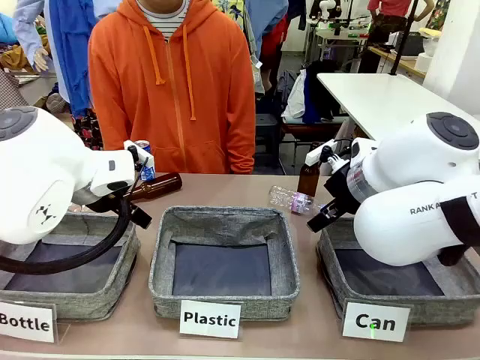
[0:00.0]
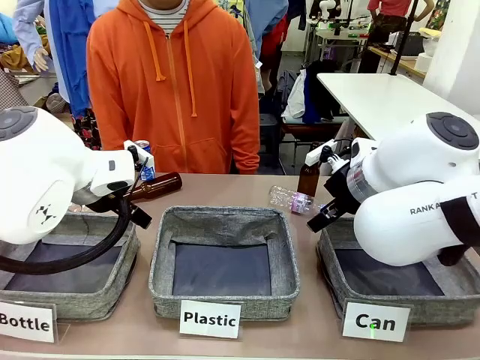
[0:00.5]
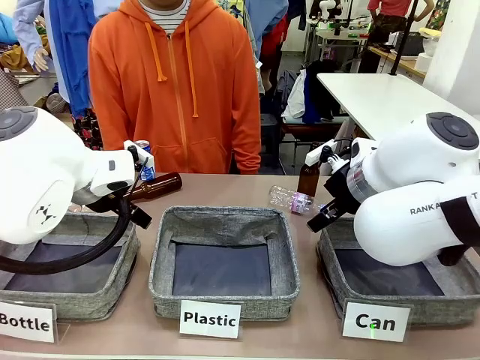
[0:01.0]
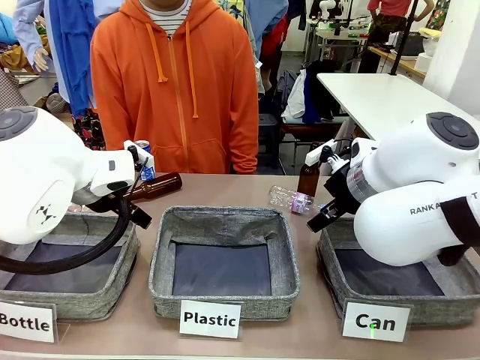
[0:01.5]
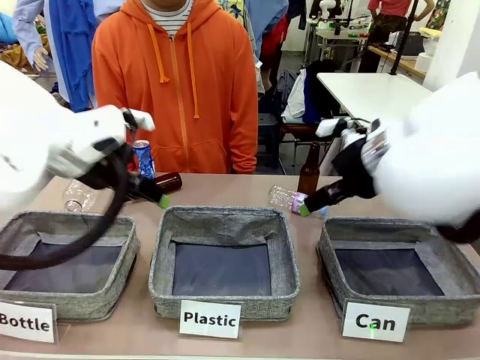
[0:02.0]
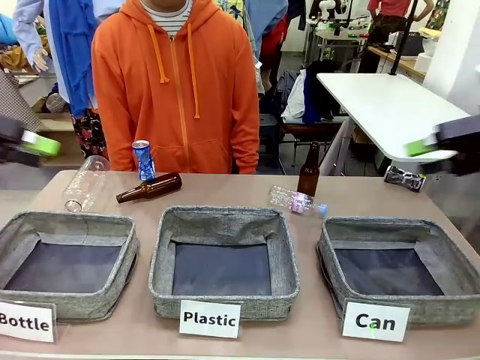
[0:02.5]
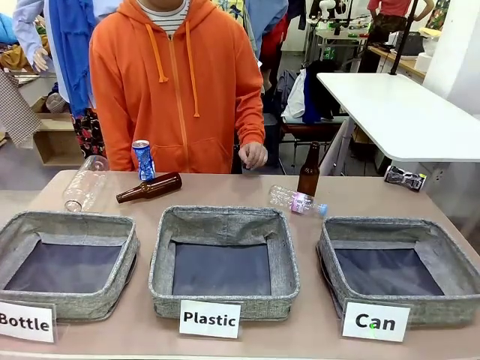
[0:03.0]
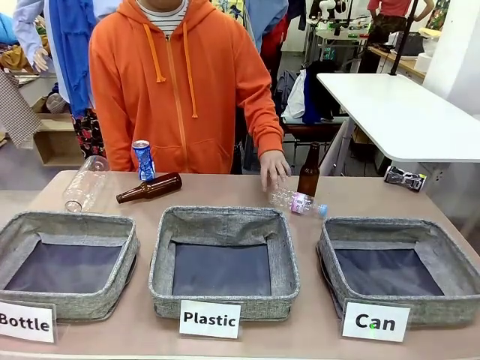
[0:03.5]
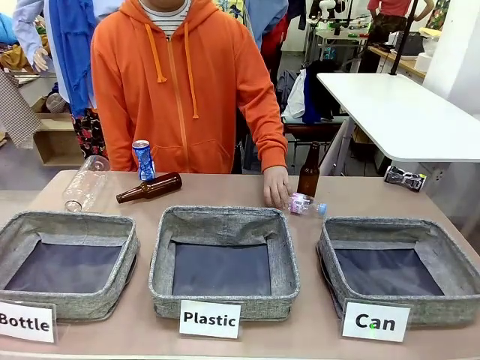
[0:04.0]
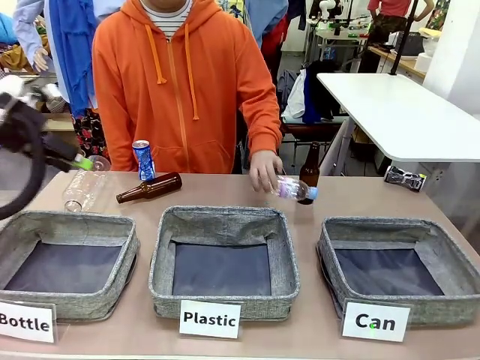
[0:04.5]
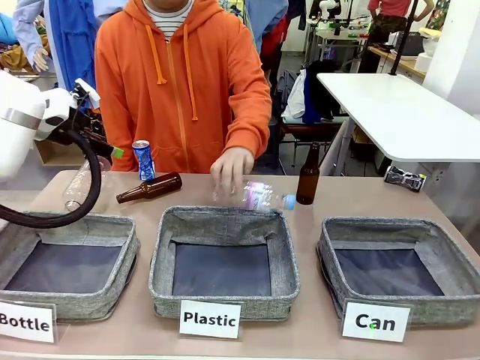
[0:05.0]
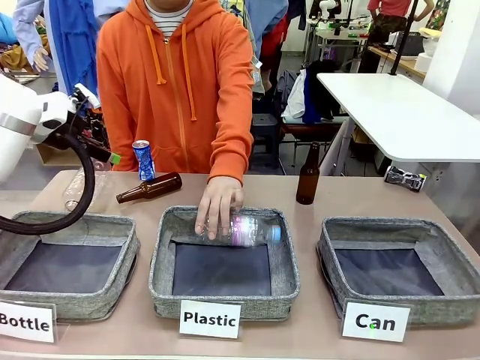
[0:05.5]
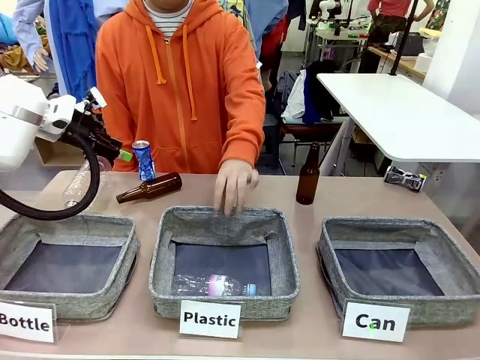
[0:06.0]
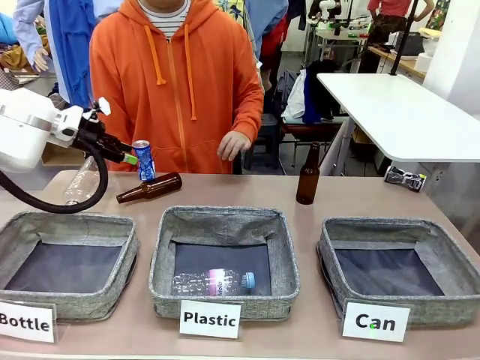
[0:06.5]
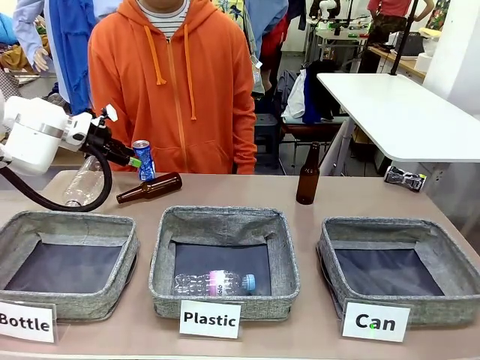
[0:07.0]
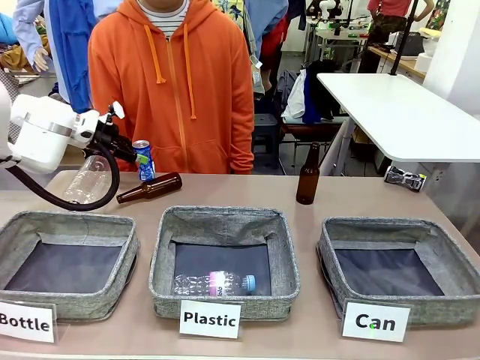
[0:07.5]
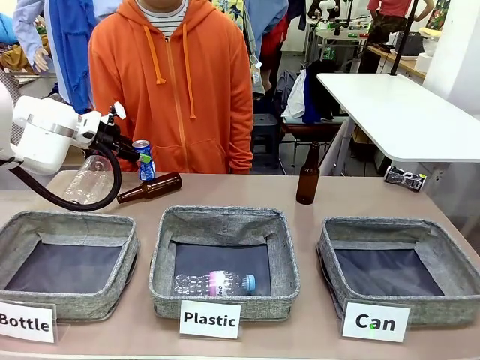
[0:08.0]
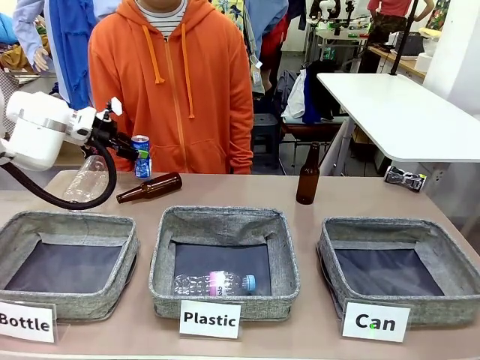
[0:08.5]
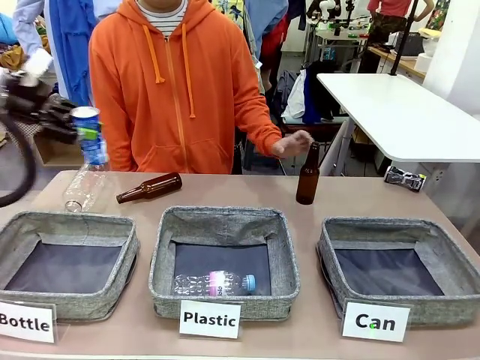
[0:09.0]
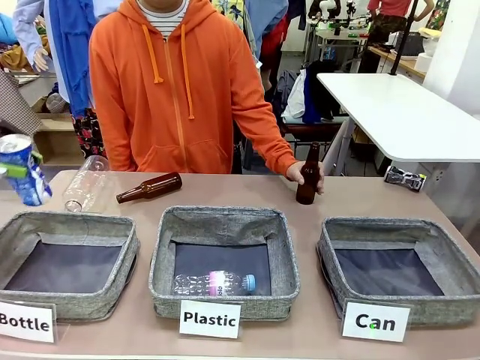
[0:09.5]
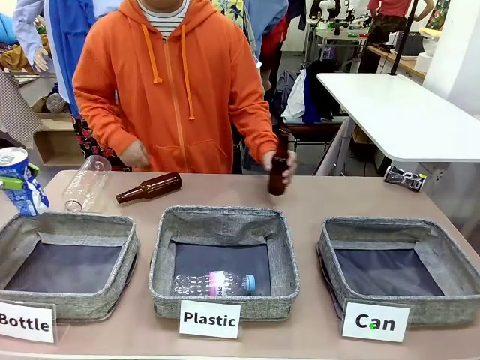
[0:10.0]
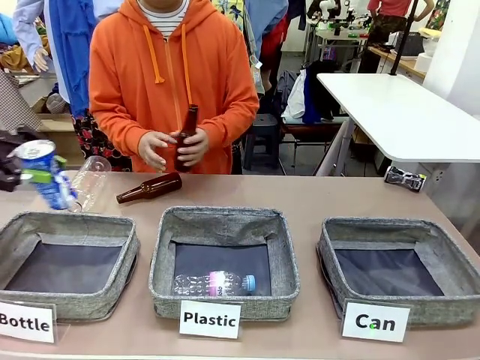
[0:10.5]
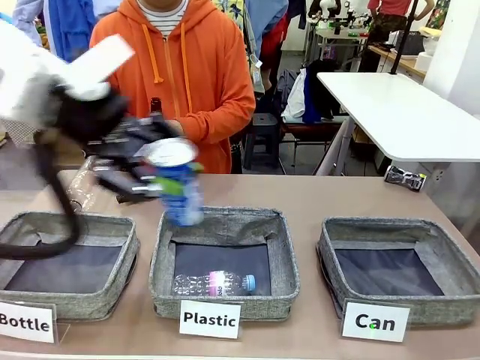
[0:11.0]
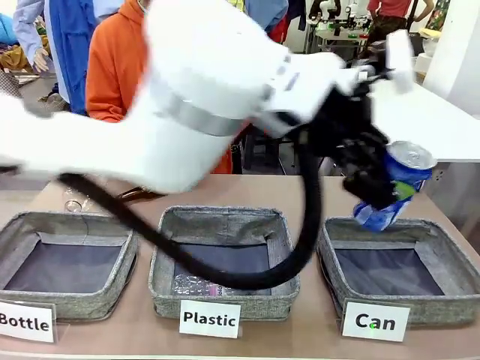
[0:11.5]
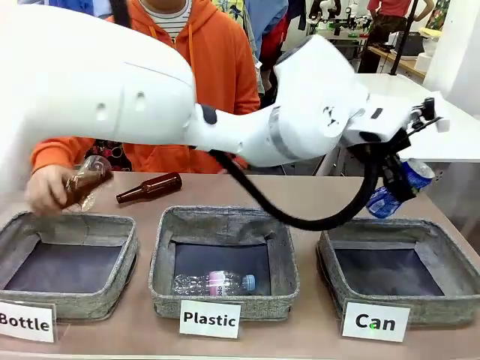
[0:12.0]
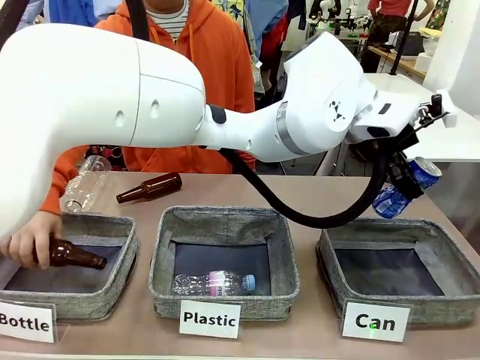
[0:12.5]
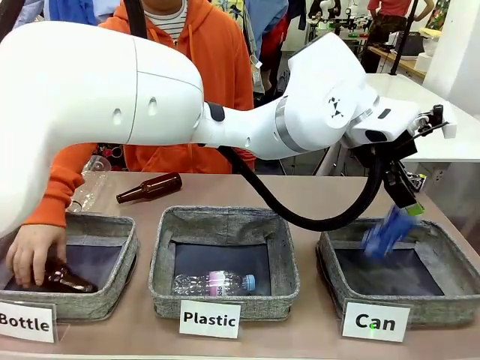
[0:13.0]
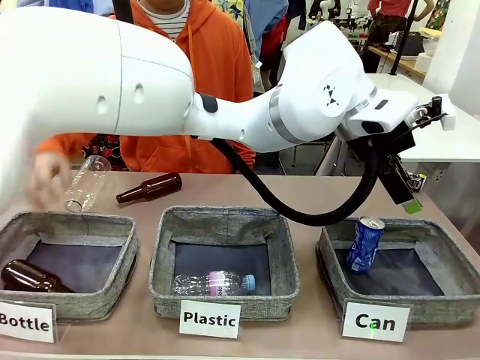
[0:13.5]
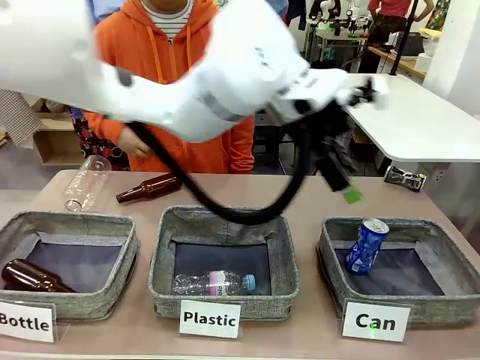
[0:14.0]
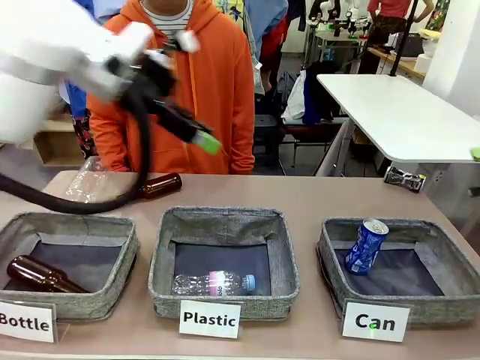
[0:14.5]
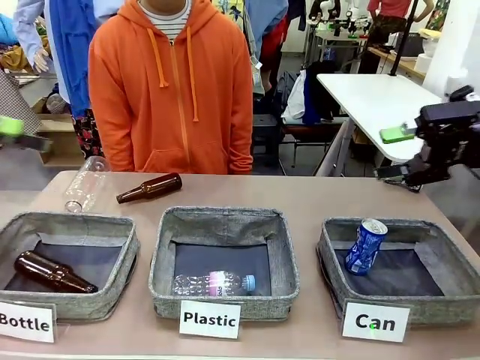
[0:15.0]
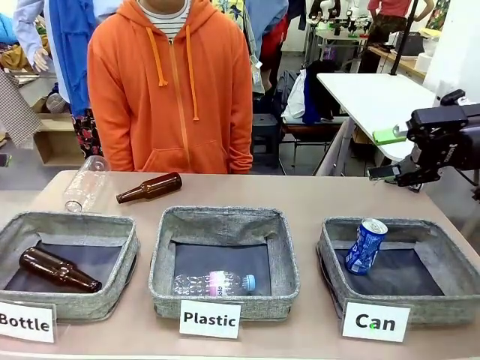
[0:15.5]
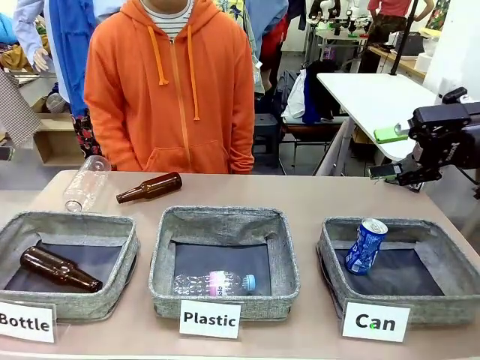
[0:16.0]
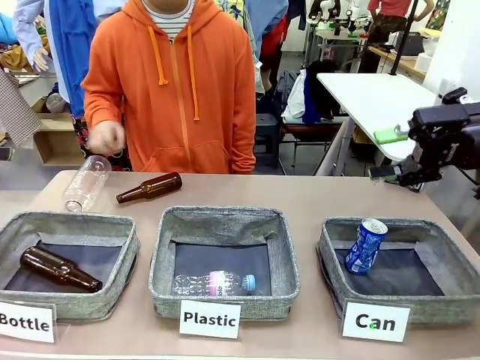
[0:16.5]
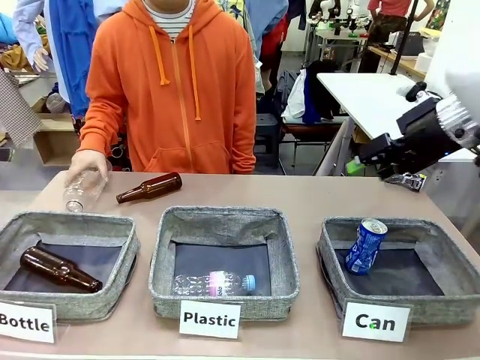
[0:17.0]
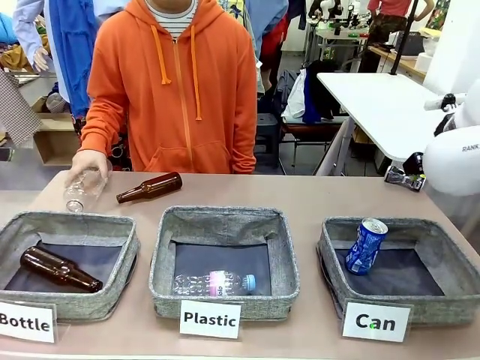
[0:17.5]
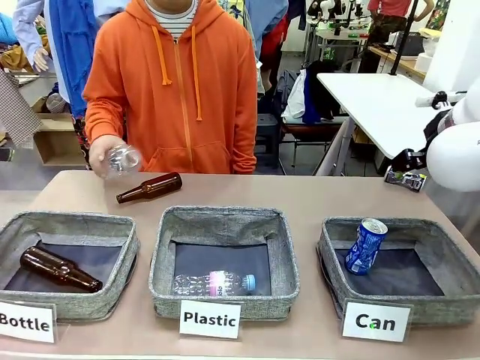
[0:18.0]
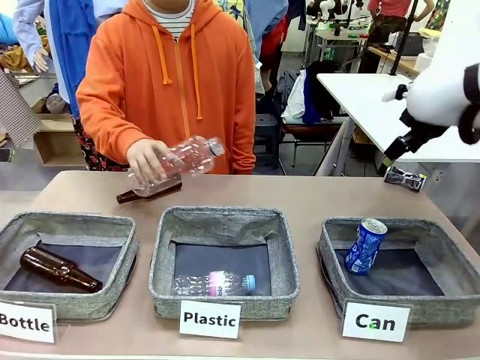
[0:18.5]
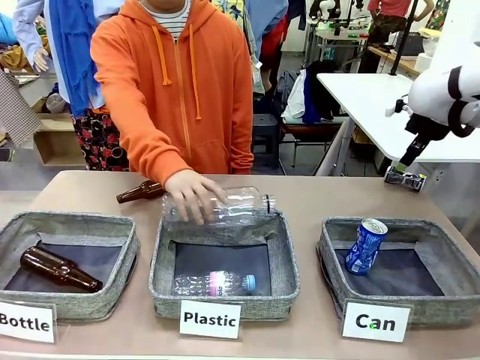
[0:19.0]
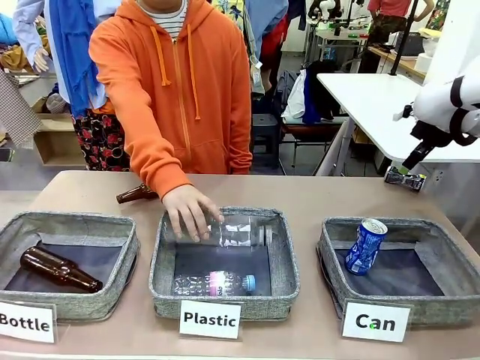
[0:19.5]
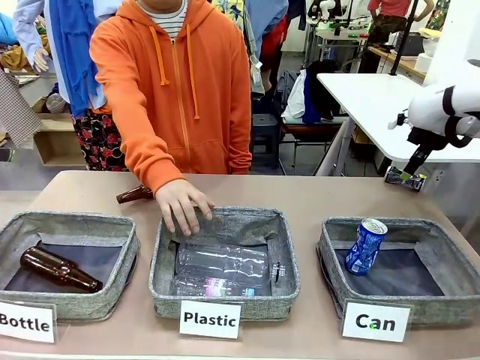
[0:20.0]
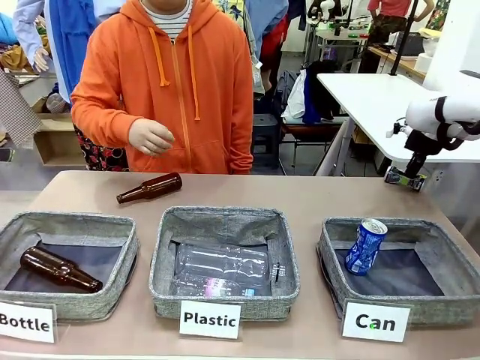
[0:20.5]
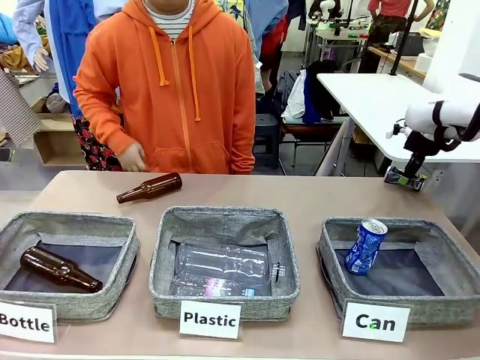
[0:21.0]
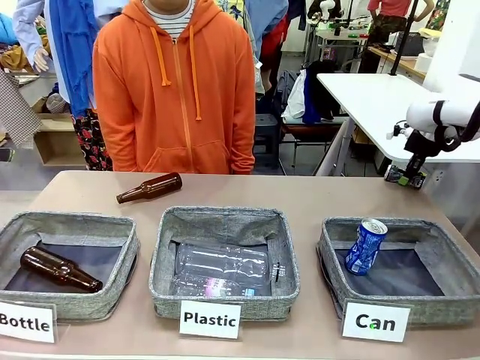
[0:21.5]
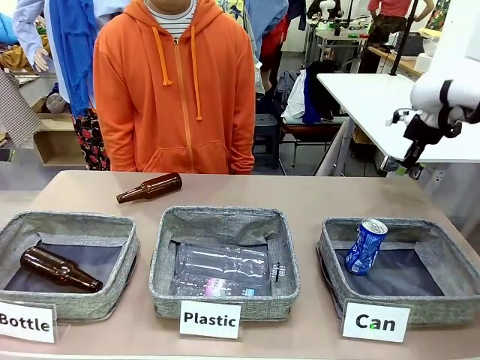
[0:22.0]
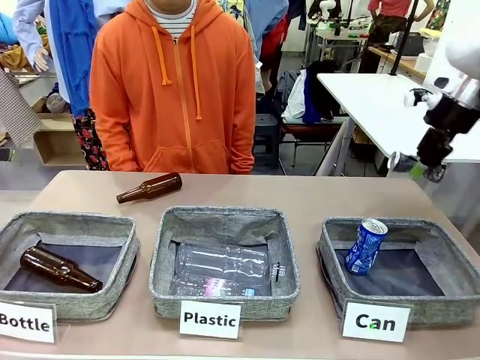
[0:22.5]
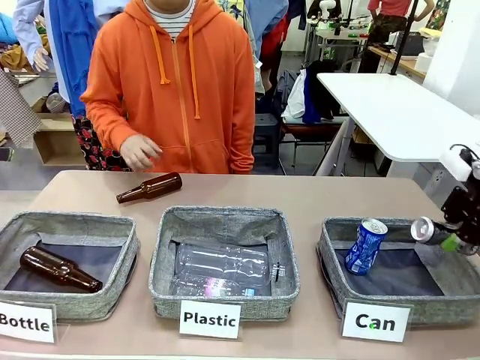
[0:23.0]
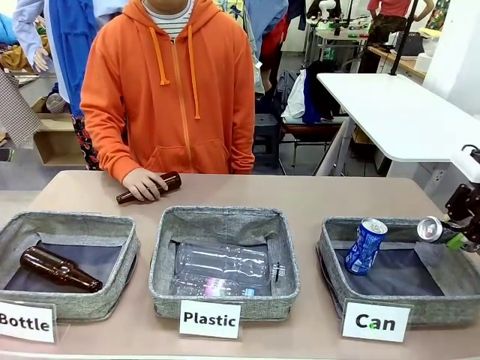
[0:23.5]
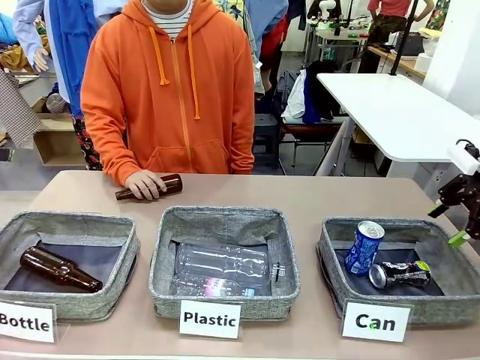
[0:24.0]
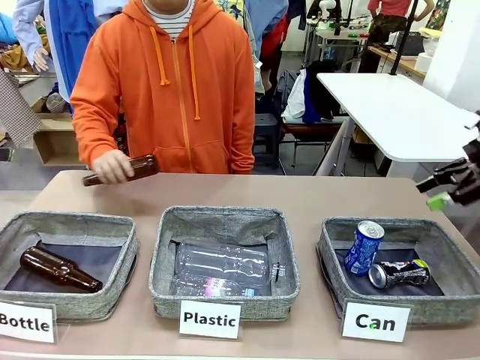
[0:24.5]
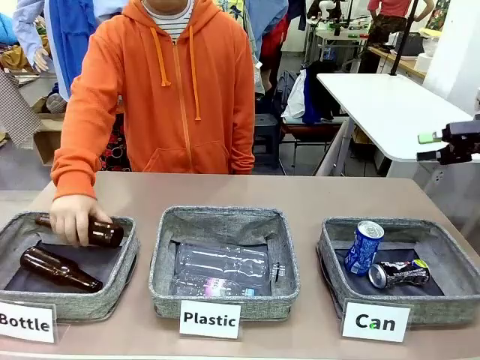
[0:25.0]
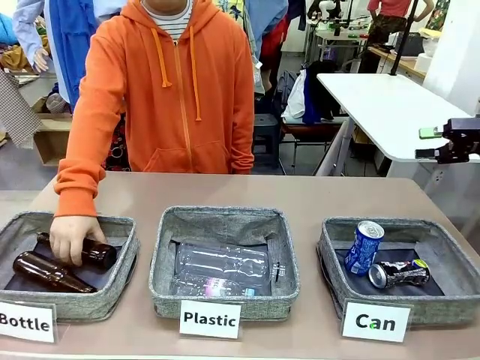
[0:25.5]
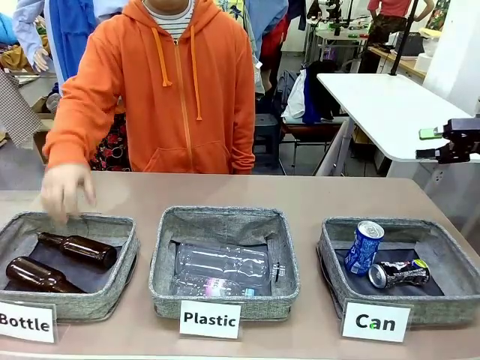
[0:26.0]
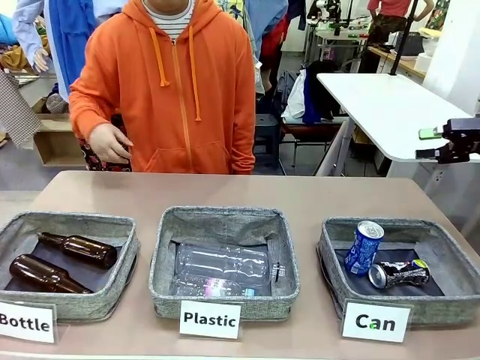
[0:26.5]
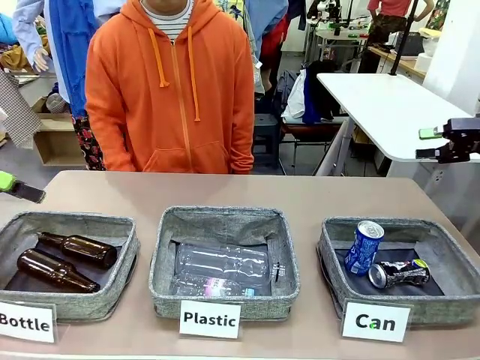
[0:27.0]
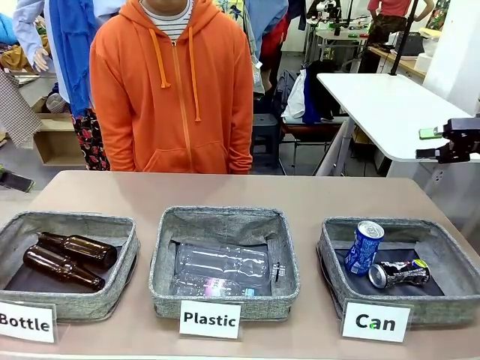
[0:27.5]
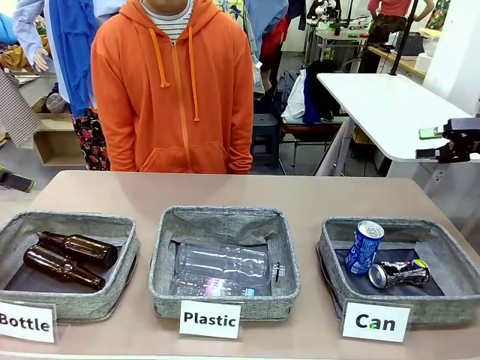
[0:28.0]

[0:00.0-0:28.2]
Task: Sort the can waste into the basket.
Robot: Pick up the can waste from the table and place it in the right Fabric basket.
Person: The human picks up one piece of trash that is not a can and places the trash into the appropriate organizing basket.
